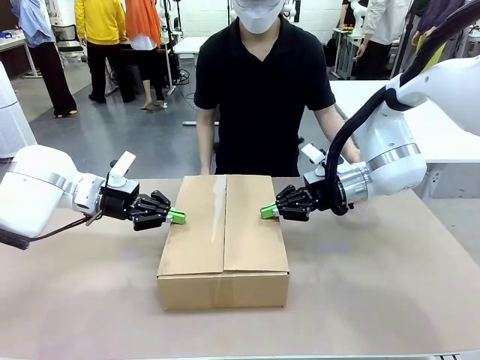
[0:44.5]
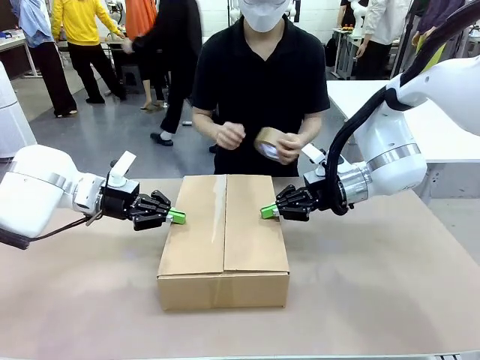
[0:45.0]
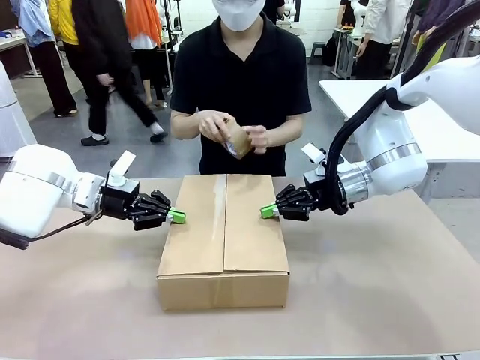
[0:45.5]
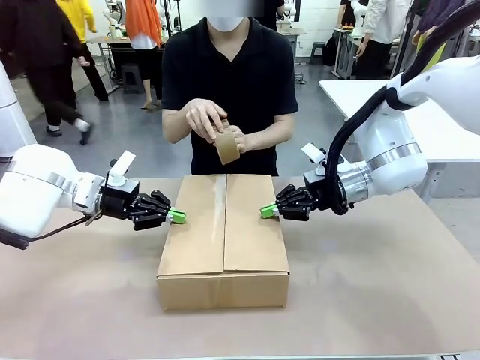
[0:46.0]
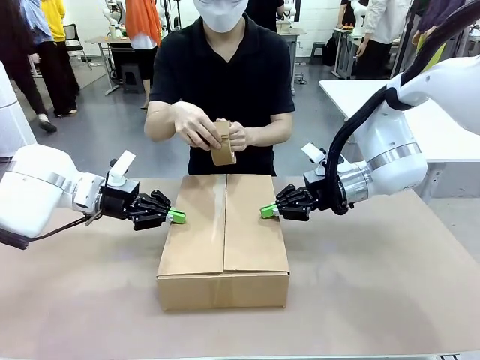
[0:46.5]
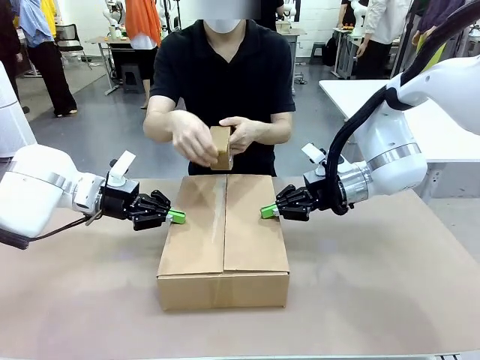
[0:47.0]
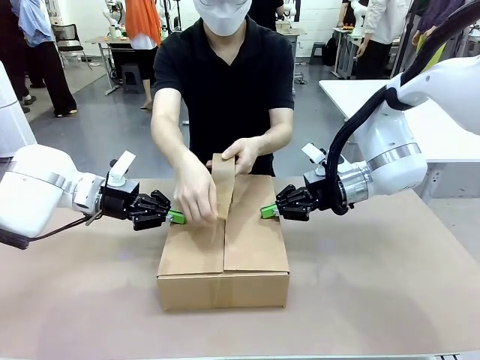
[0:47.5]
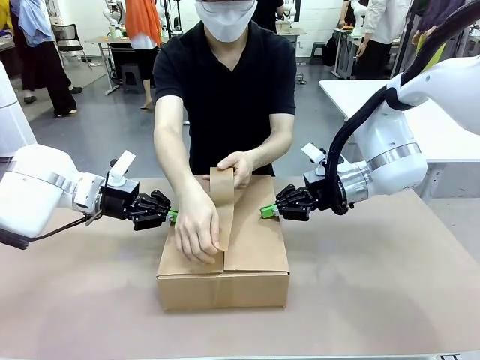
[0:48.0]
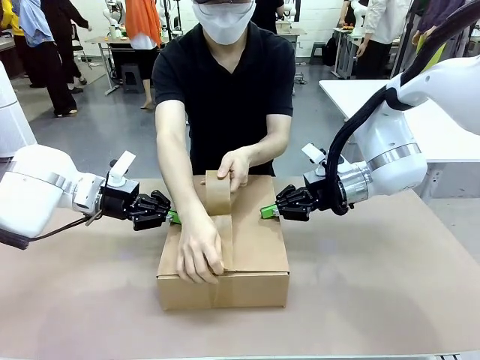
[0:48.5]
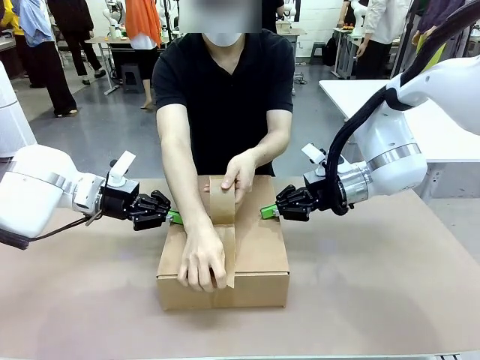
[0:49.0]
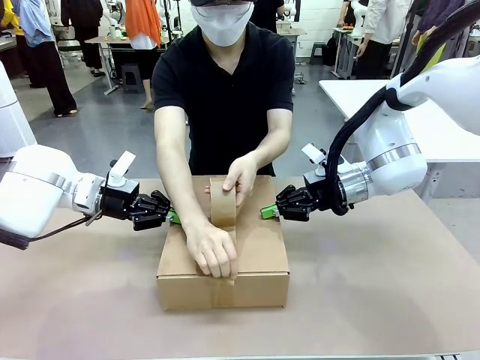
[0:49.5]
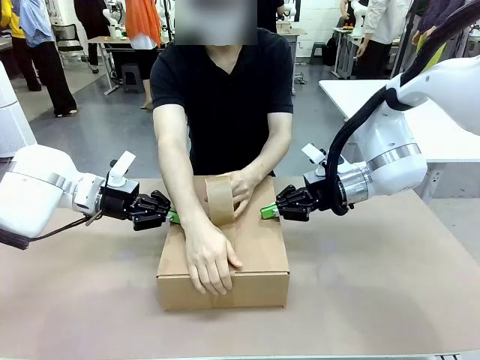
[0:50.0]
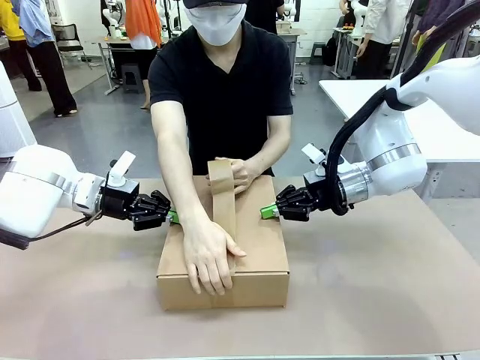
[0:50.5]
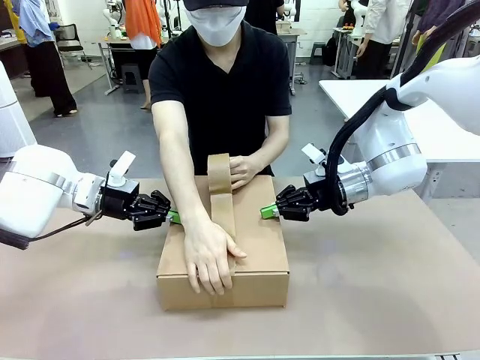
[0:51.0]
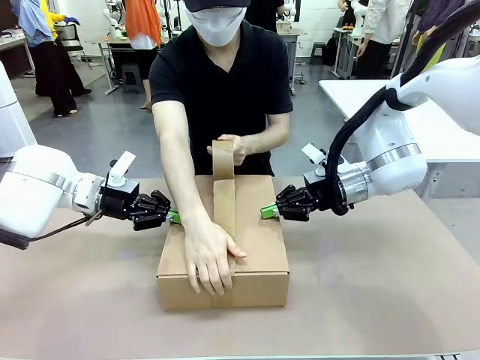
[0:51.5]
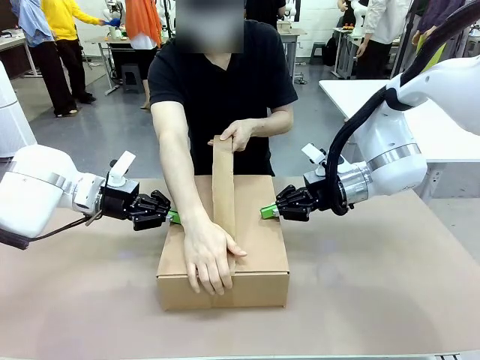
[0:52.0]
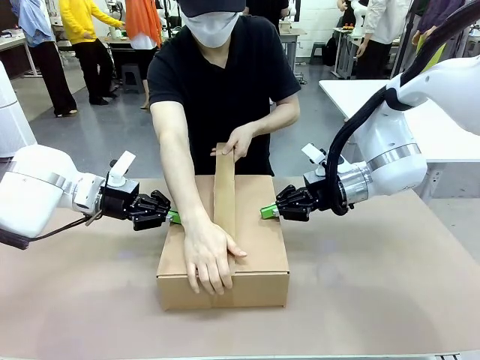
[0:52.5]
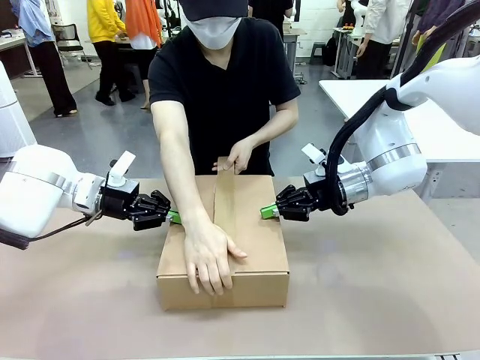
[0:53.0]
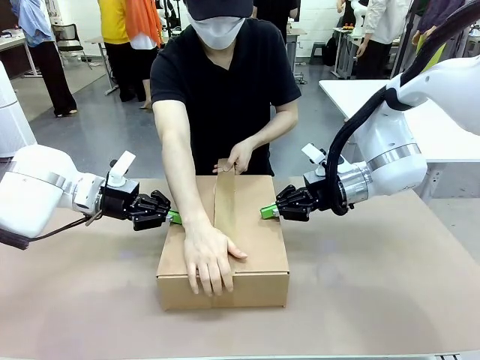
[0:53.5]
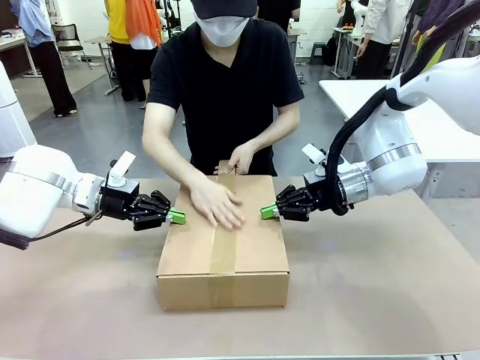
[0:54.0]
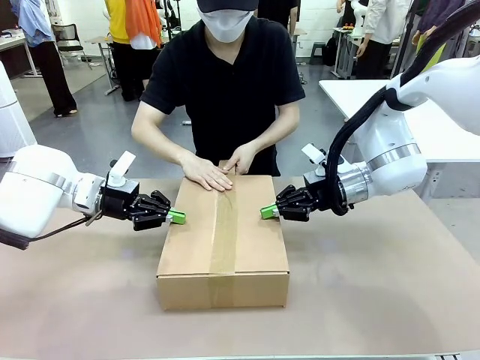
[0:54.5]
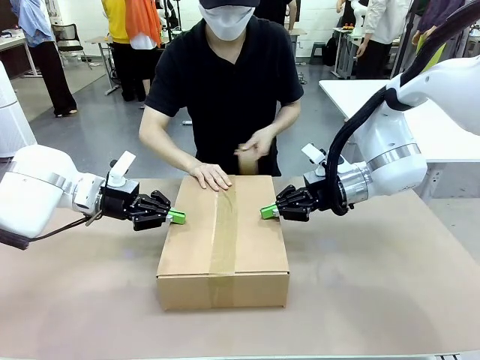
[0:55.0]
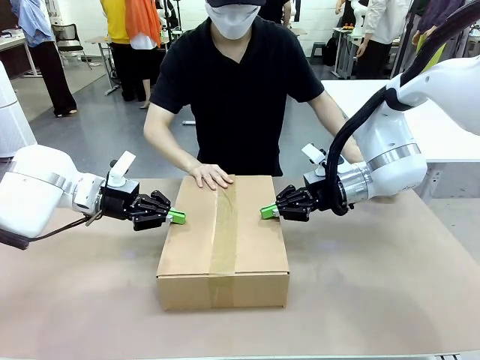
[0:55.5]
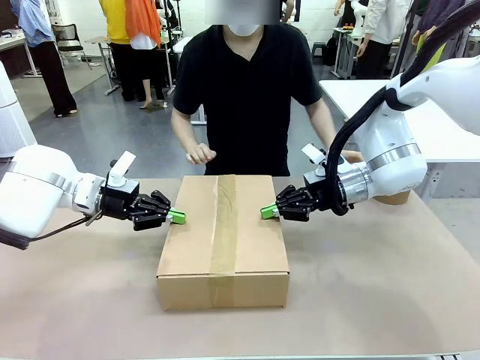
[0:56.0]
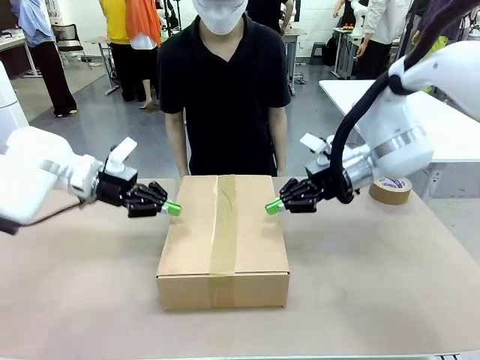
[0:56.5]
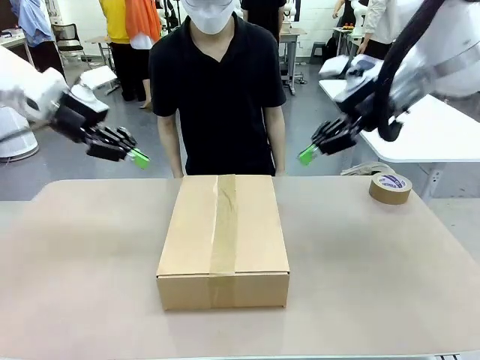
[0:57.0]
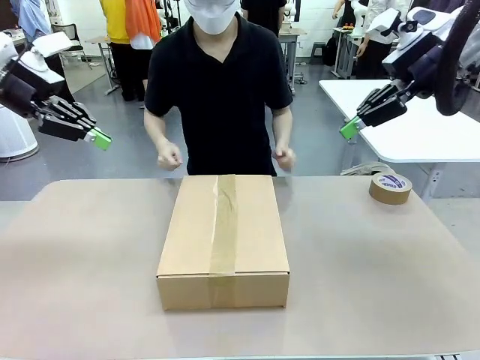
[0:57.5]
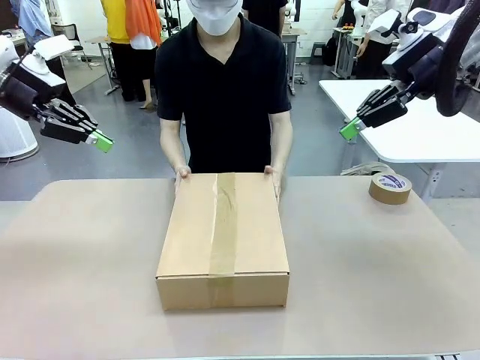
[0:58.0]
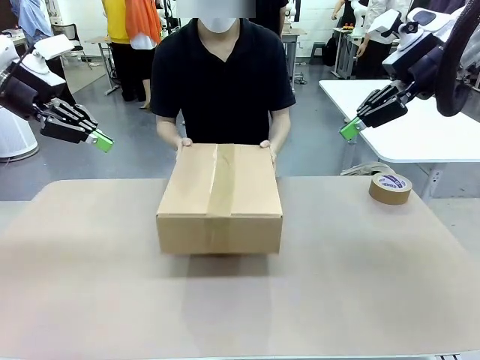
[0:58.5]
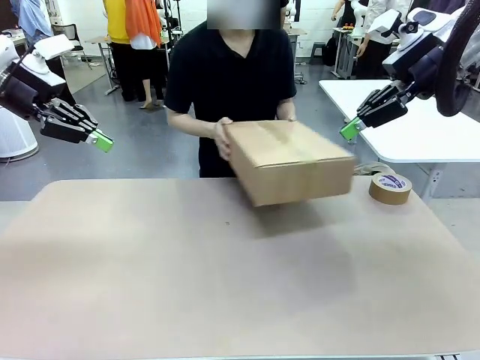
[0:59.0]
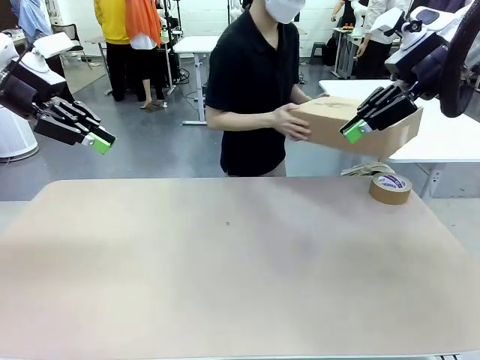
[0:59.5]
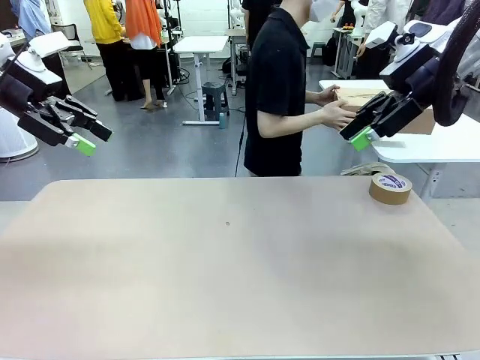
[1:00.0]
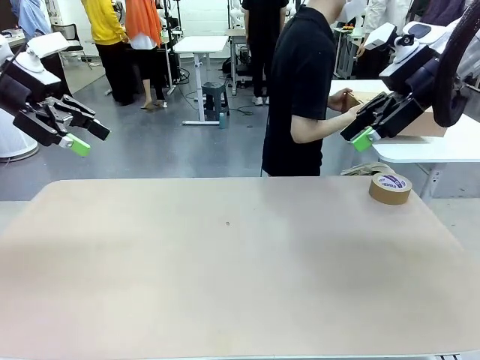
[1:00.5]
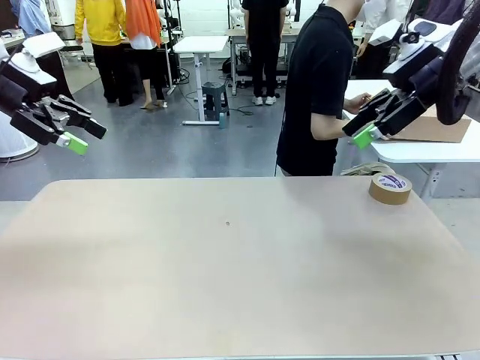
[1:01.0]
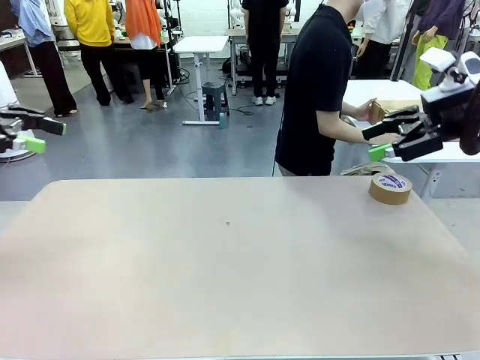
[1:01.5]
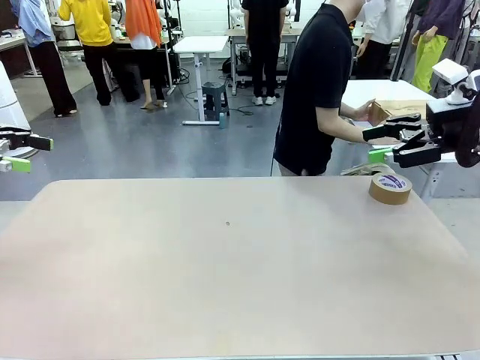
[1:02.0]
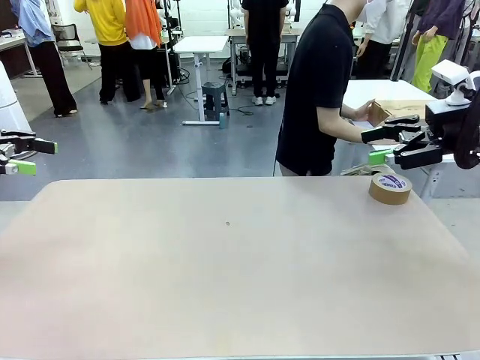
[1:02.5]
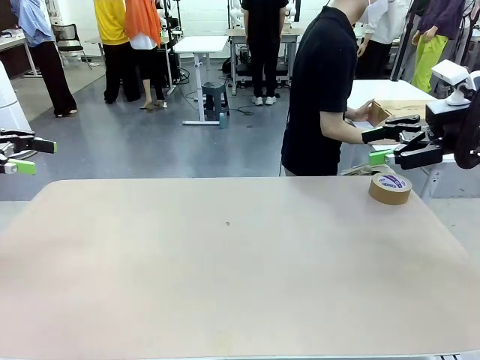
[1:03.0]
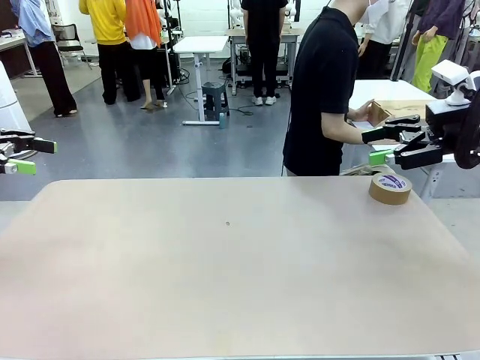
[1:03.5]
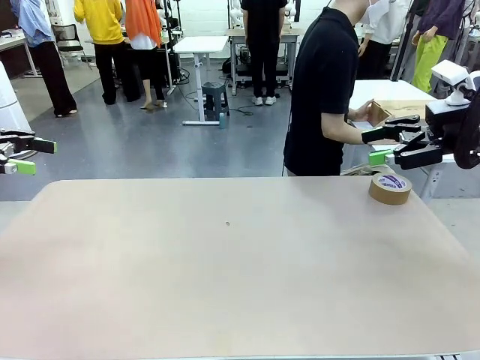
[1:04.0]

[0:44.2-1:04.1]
Task: Wrap the clocks to prevent damage.
Robot: After the human seals the box with tape, release both hands from the side flaps of the Package Box.
Person: Once the robot closes the left flap of the Package Box , seal the box with Paper Tape. Place sealed Package Box in the middle of the human's table.

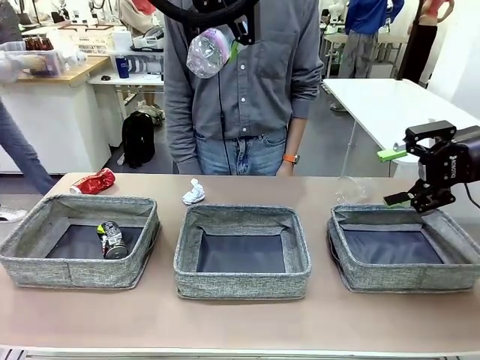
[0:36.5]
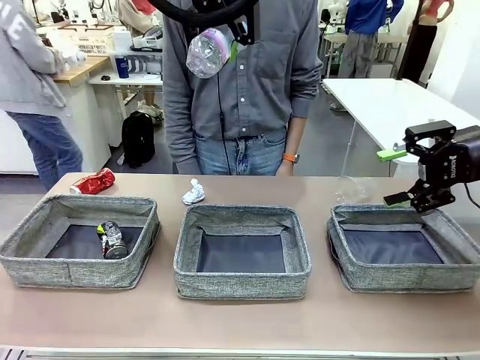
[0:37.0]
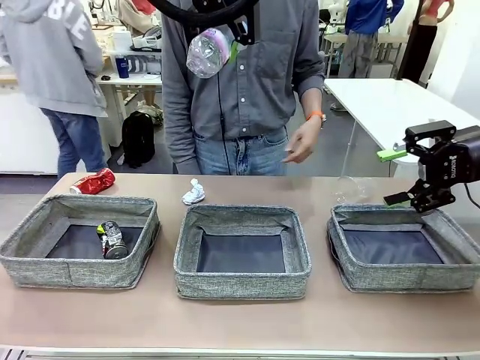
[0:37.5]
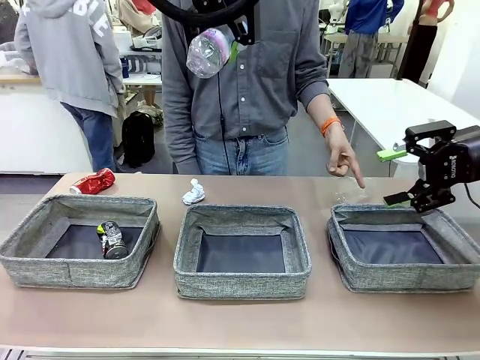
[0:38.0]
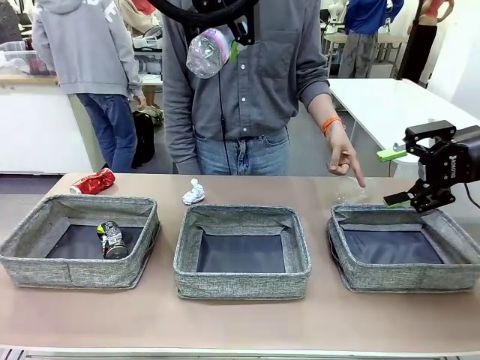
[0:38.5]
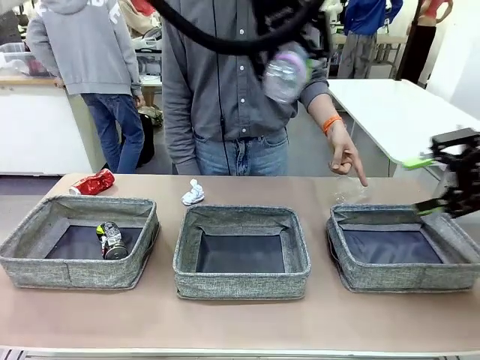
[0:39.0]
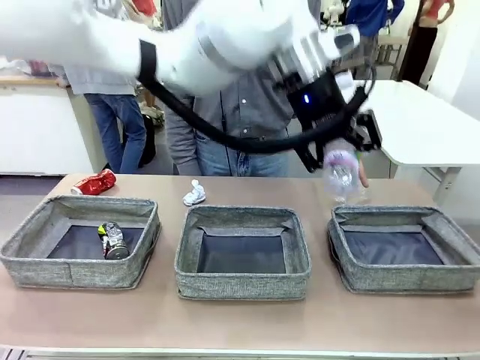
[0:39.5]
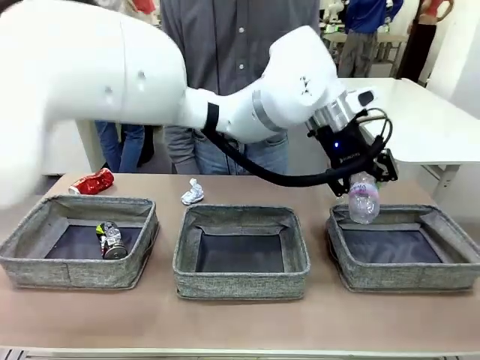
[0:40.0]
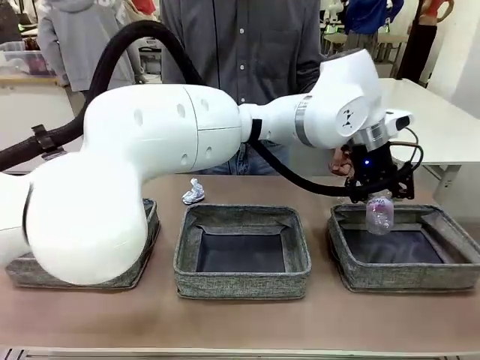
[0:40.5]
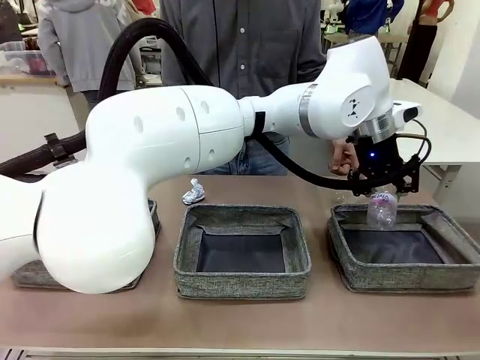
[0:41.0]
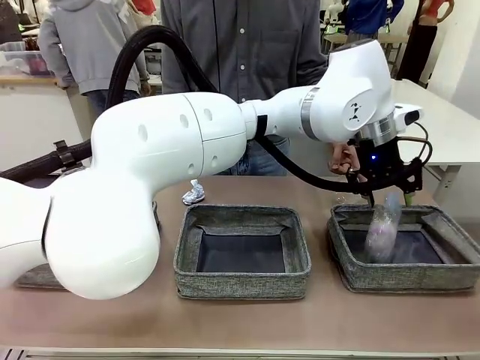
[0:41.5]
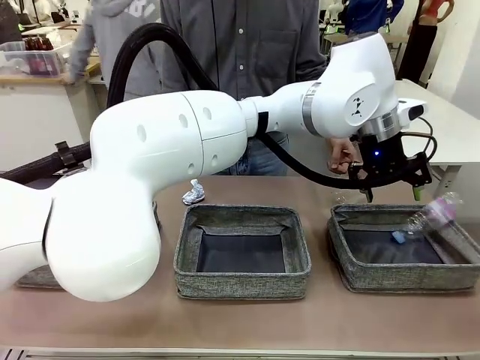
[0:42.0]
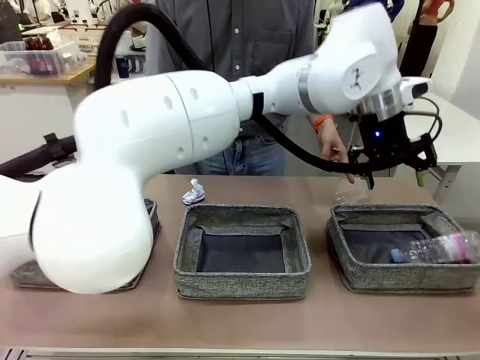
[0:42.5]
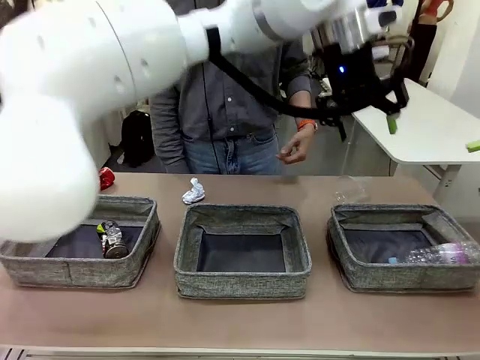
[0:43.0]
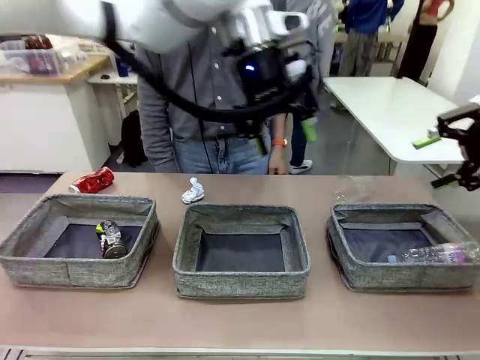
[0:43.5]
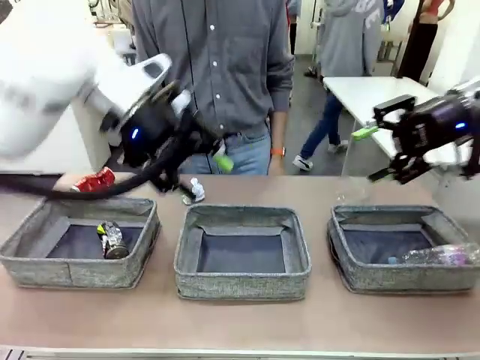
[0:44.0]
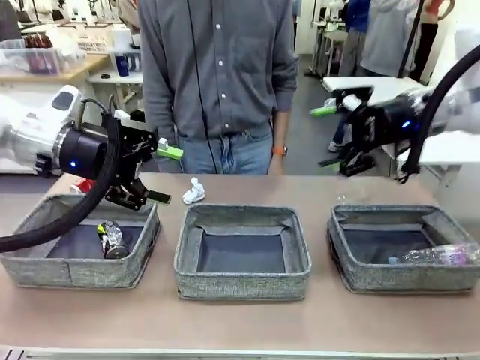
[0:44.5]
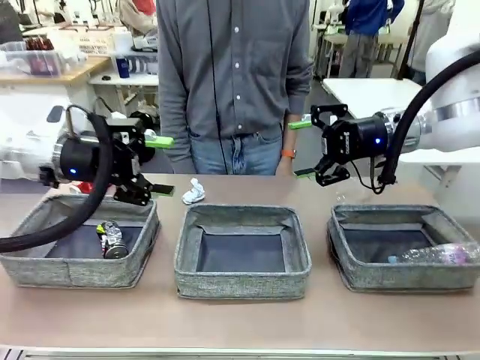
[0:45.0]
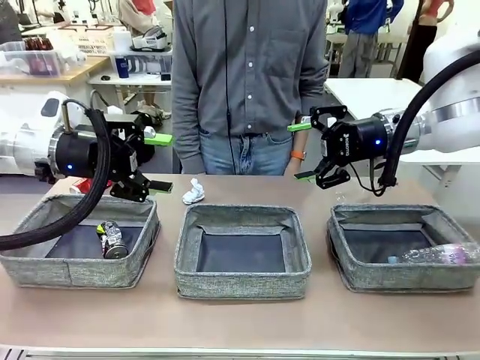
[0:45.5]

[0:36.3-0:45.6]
Task: Sort the waste into the appropriate baskets.
Robot: Place the picked waste into the Fabric basket indicated by the person.
Person: Instructs the robot to place the picked-up trash into the appropriate organizing basket.
